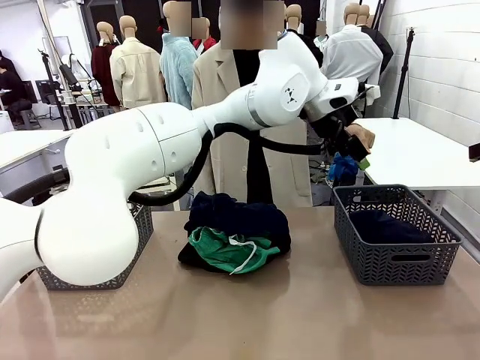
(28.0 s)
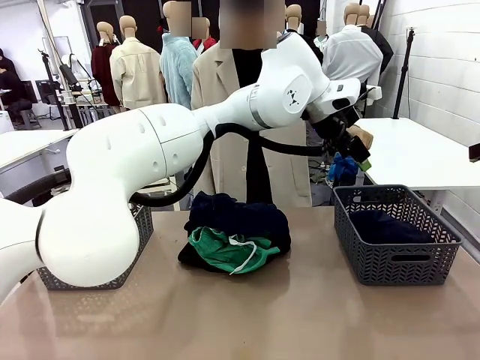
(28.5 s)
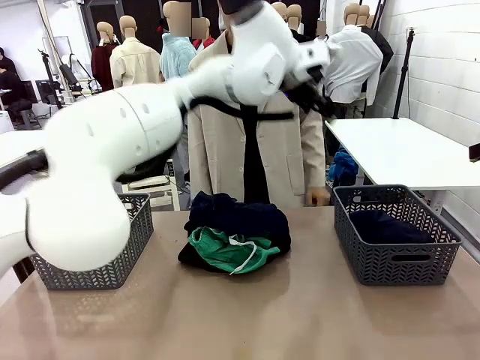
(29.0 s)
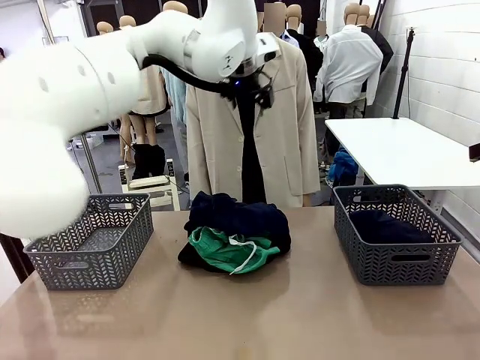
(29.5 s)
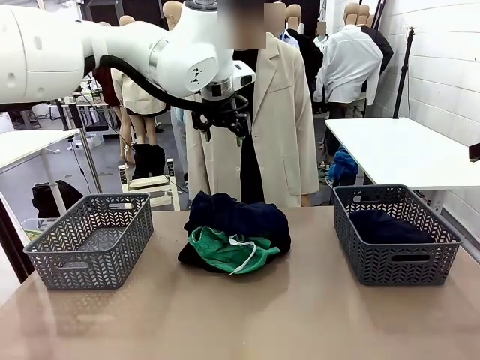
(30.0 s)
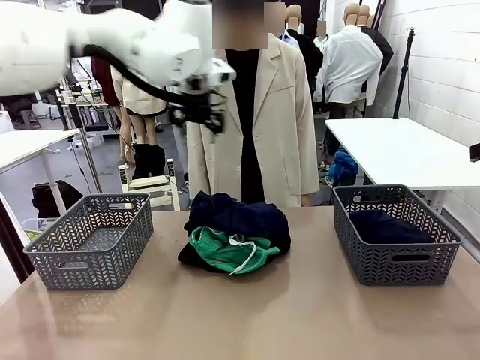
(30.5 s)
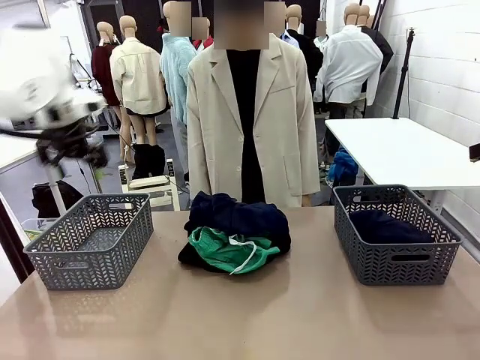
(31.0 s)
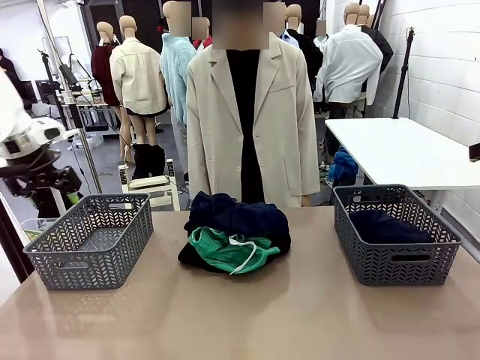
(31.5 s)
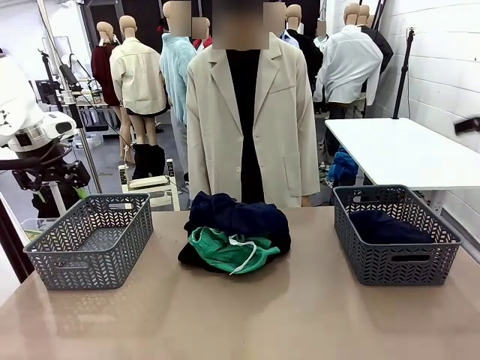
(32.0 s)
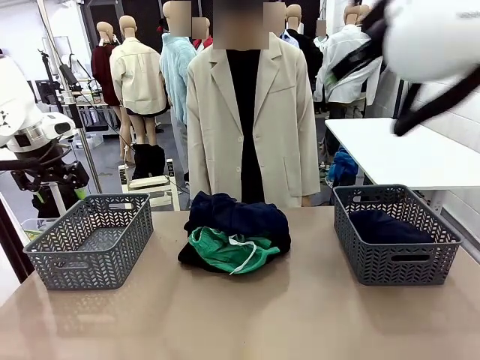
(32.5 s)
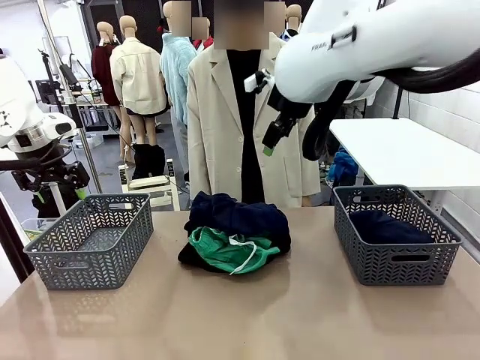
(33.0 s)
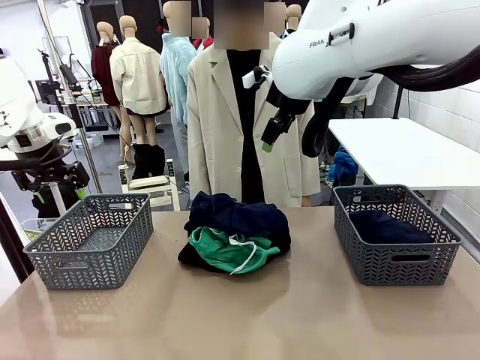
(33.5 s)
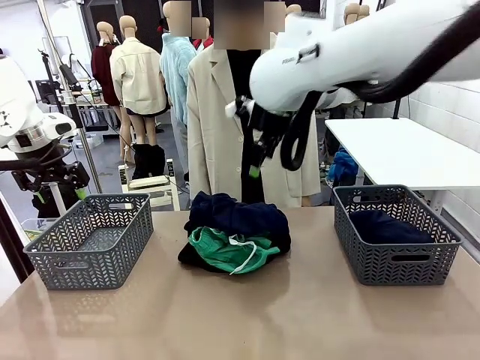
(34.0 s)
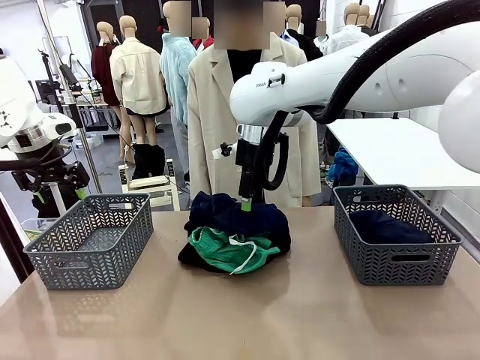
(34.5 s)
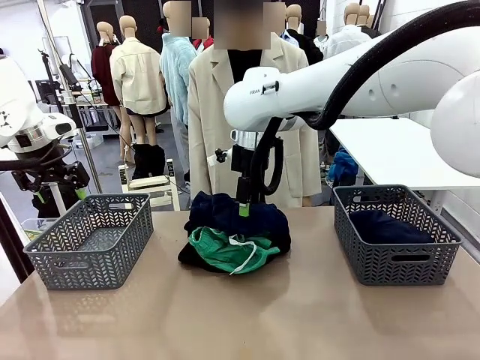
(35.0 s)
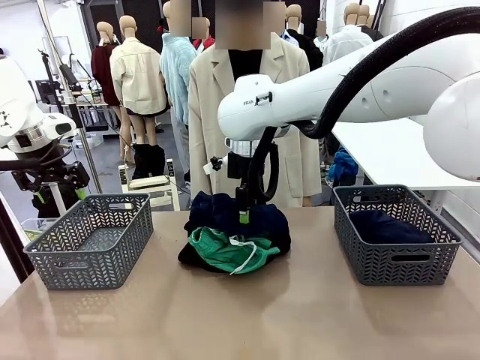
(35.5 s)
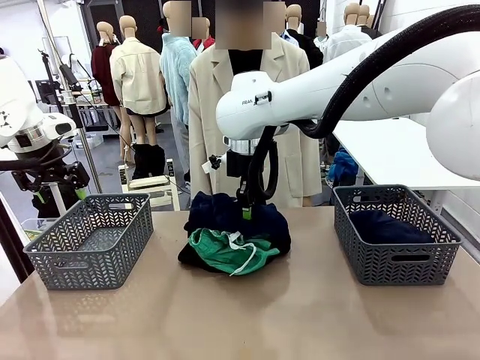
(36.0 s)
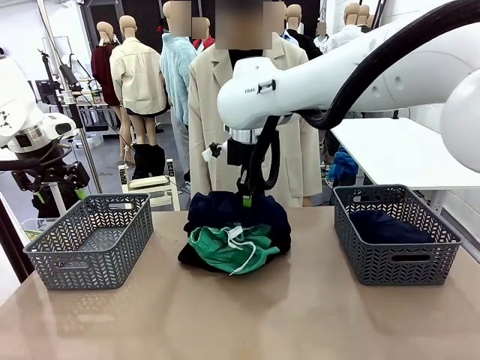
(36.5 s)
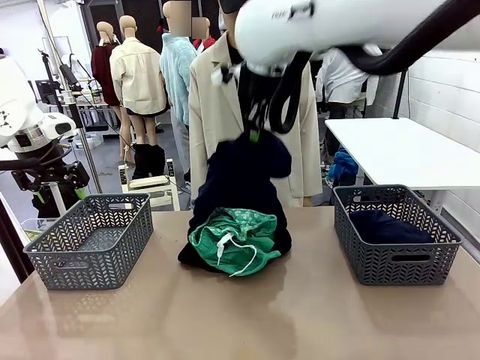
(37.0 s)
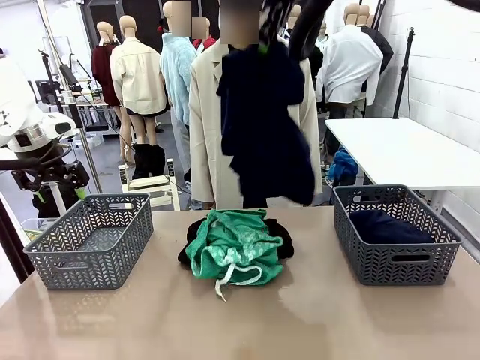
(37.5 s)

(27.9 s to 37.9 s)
Task: Sort the tops and bottoms.
Robot: Lift clothes from the center of the table with your right hand.

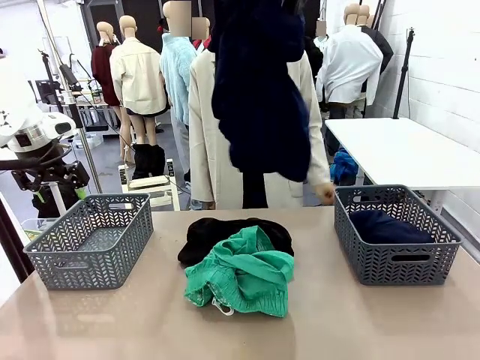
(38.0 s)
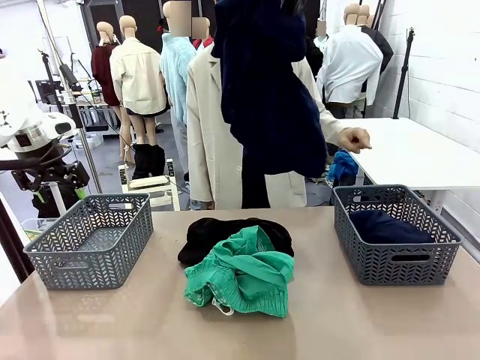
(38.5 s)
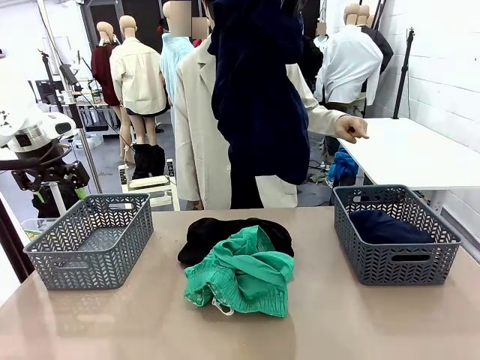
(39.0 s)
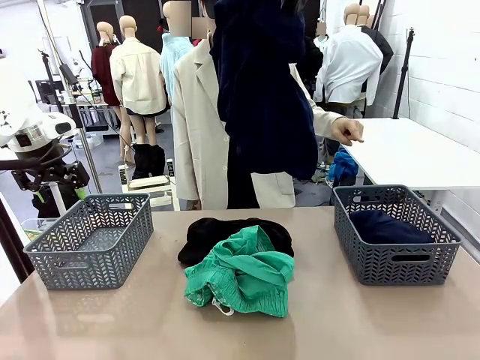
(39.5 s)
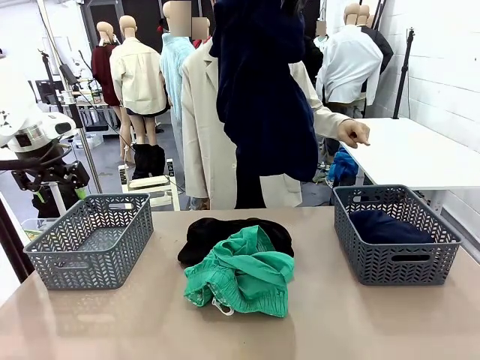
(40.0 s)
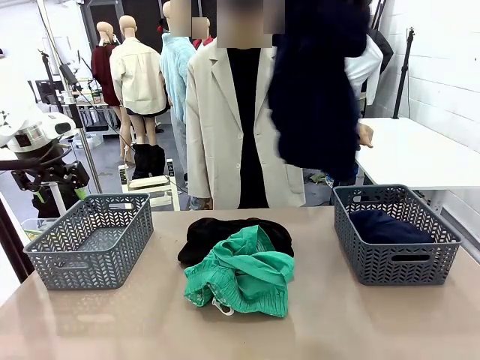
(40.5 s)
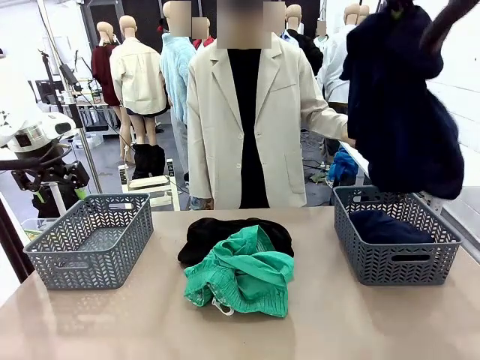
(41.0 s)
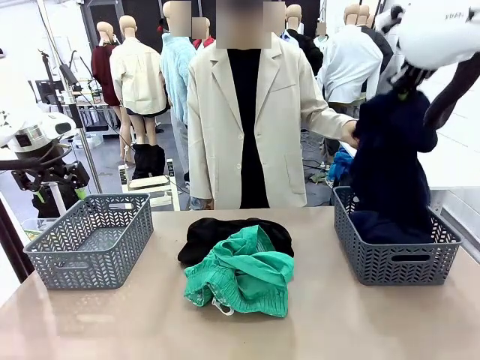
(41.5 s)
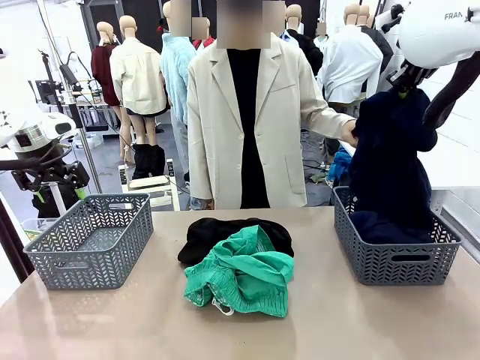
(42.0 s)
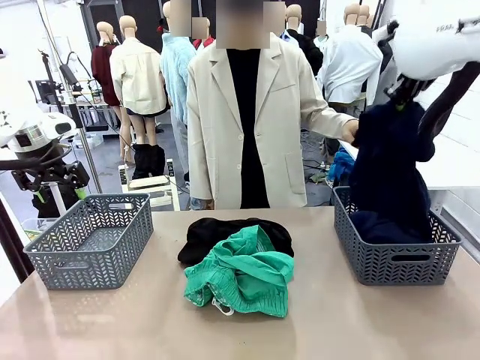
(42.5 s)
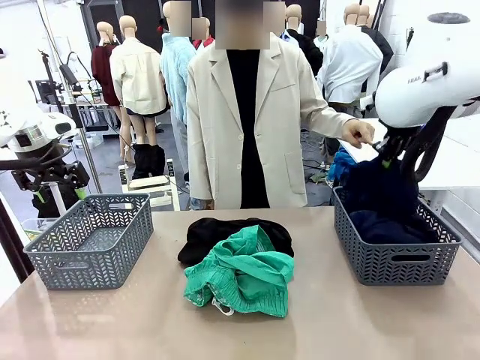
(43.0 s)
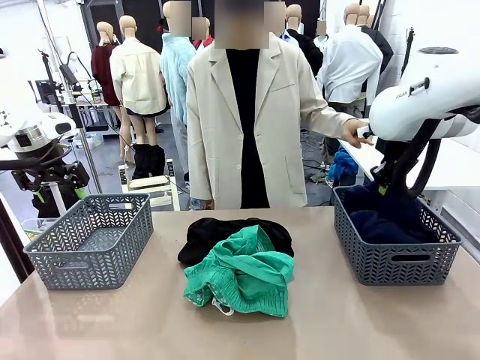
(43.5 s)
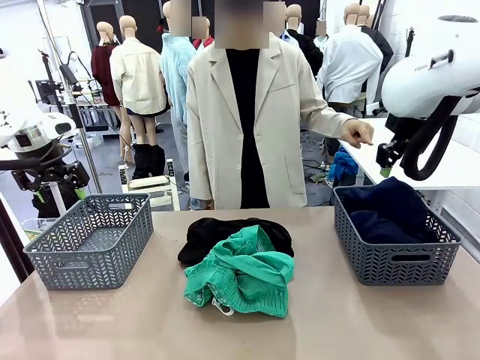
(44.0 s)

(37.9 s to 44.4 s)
Robot: Sort the clothes according to human instructions.

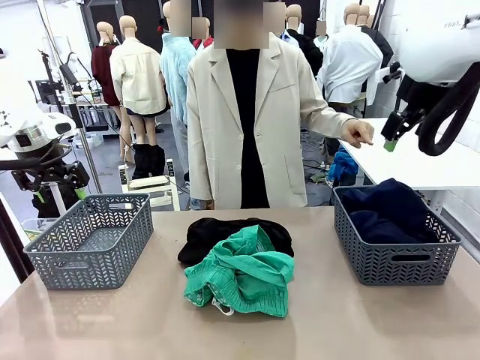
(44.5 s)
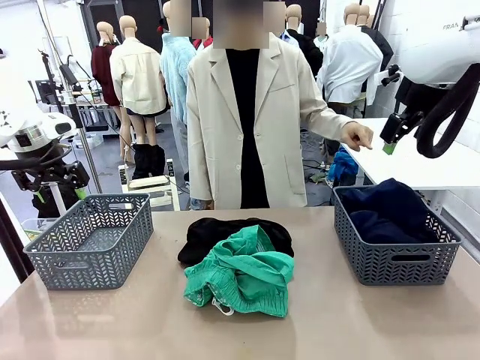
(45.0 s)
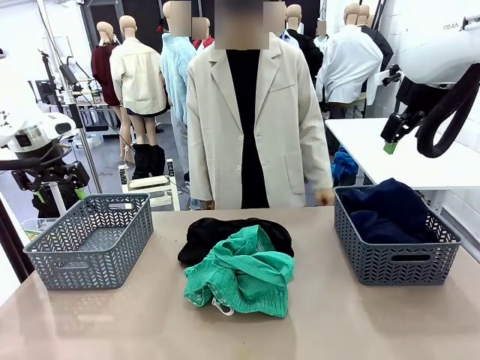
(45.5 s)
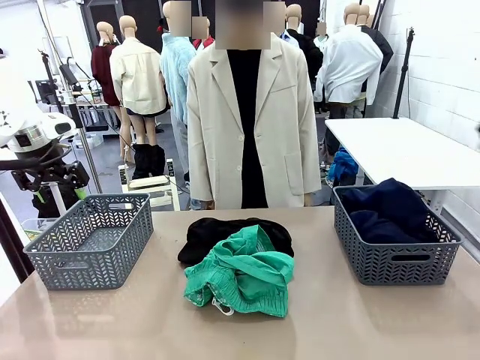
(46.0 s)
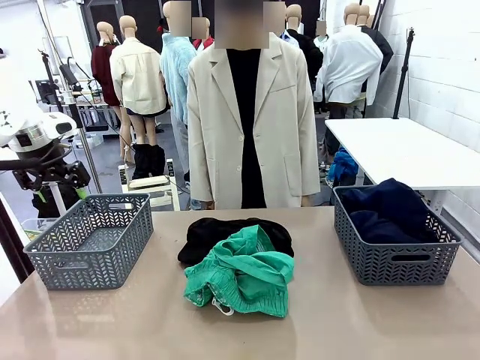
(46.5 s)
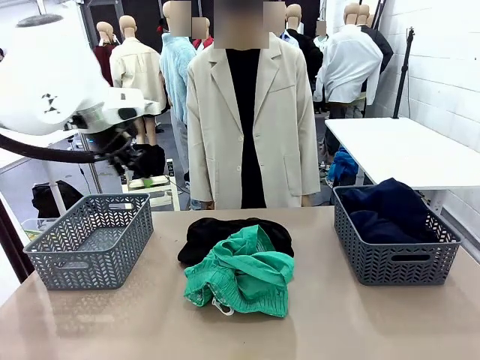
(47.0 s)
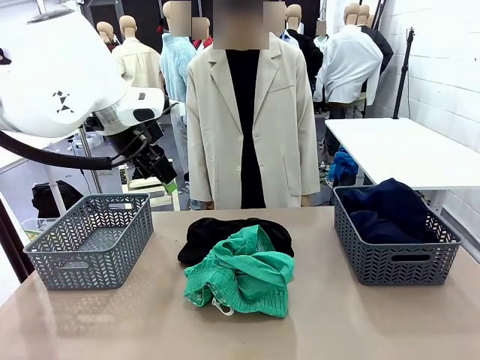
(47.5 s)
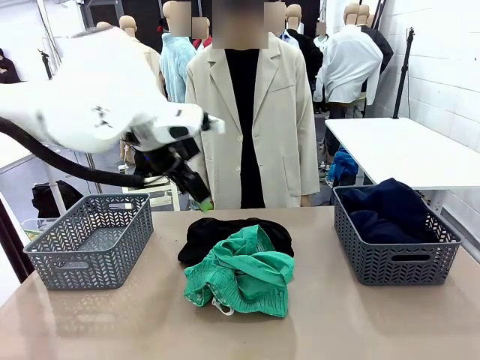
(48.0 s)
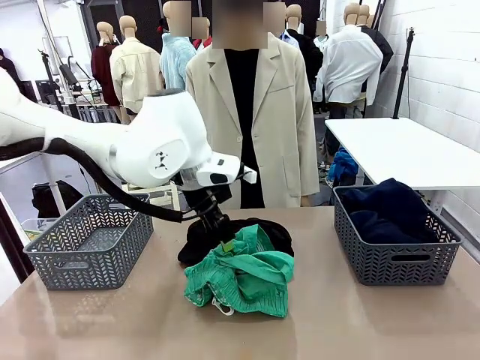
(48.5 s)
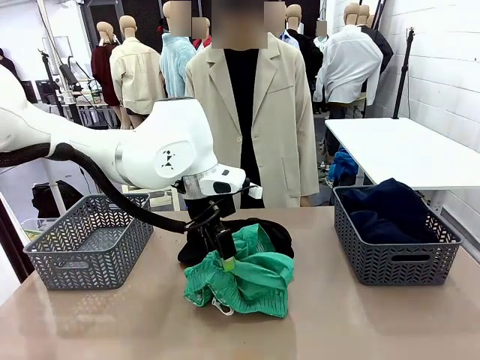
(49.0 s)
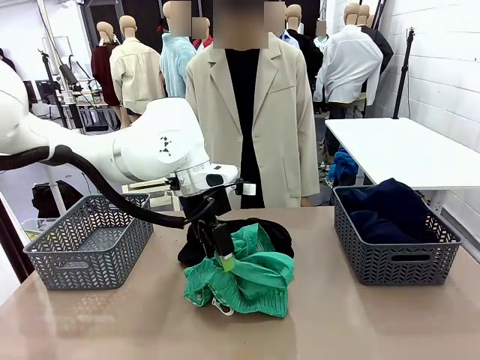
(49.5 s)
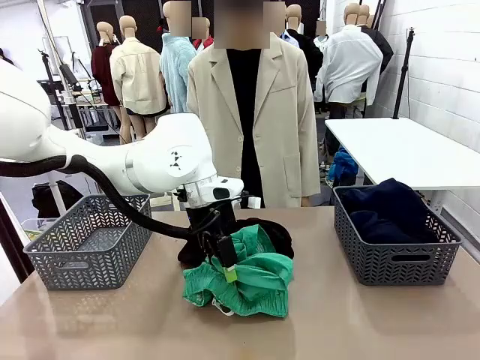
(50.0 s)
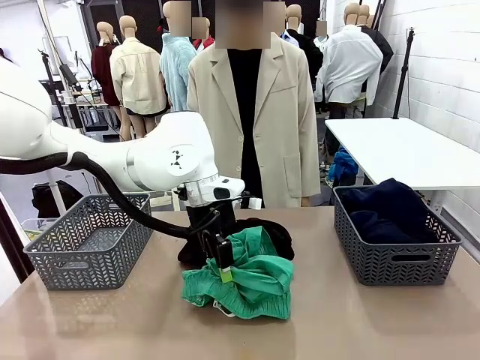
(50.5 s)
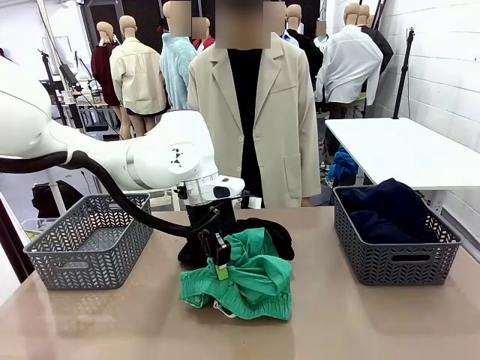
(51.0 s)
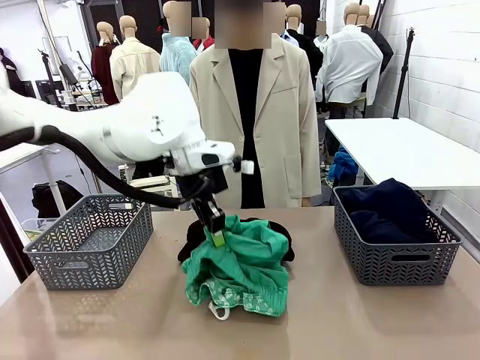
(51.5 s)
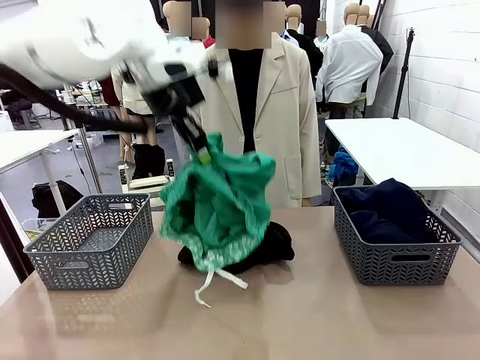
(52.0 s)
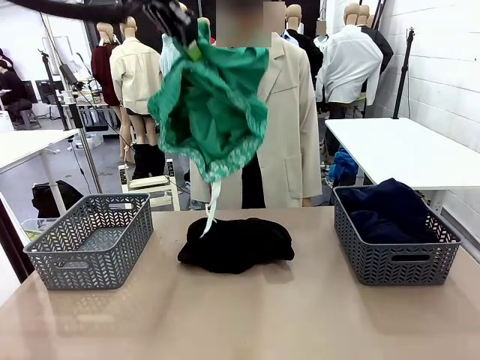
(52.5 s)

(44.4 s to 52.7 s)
Robot: Lift clothes from the center of the table with your left hand.
